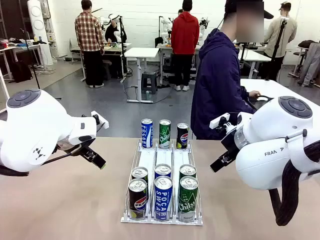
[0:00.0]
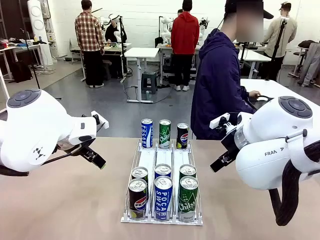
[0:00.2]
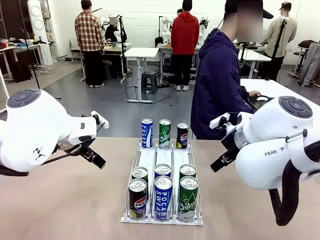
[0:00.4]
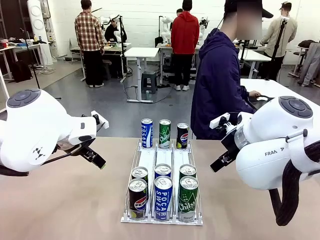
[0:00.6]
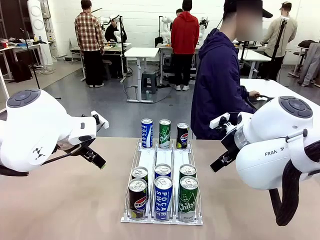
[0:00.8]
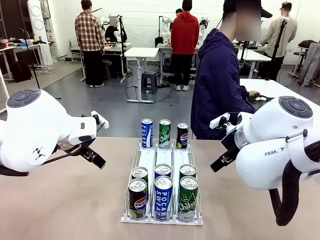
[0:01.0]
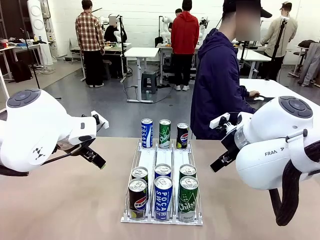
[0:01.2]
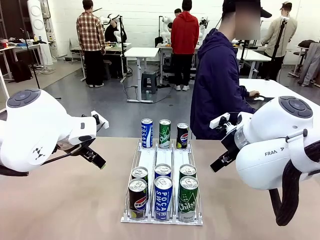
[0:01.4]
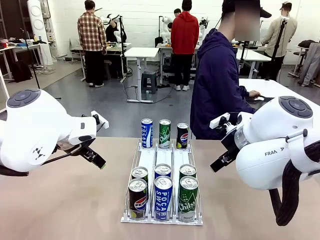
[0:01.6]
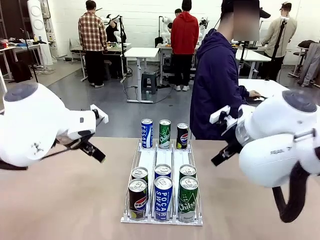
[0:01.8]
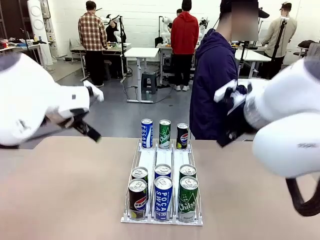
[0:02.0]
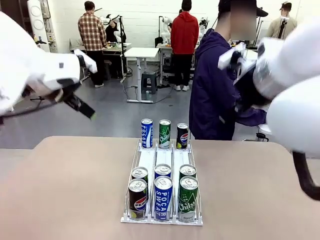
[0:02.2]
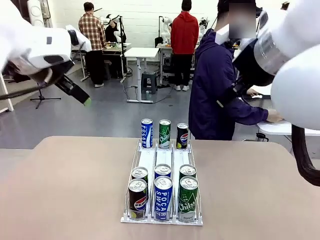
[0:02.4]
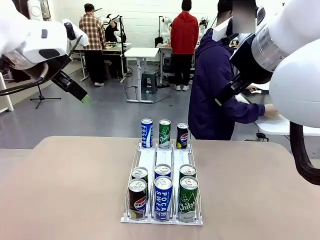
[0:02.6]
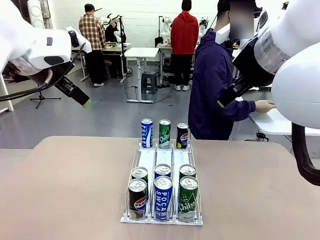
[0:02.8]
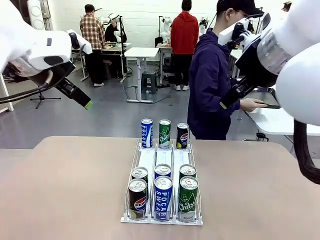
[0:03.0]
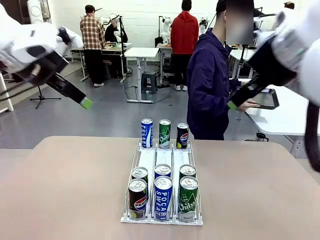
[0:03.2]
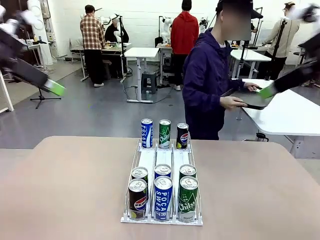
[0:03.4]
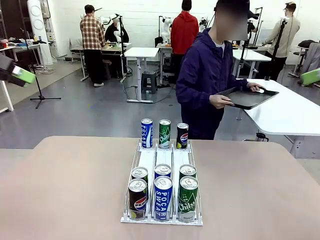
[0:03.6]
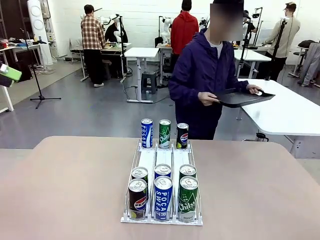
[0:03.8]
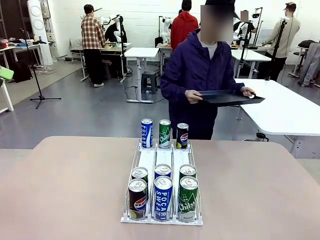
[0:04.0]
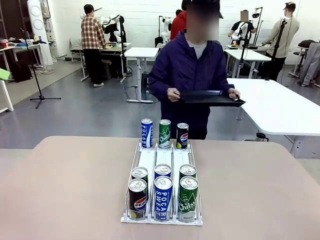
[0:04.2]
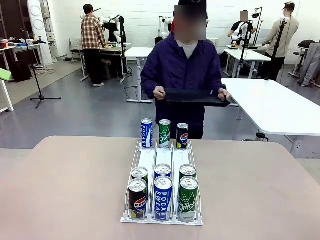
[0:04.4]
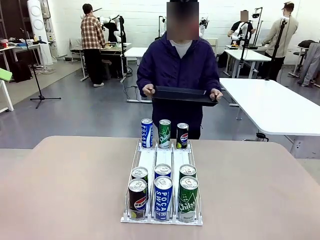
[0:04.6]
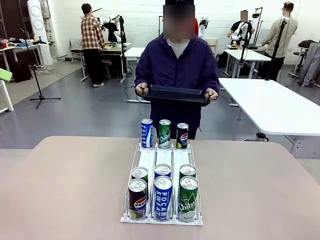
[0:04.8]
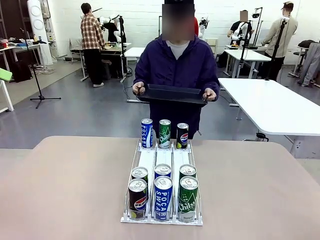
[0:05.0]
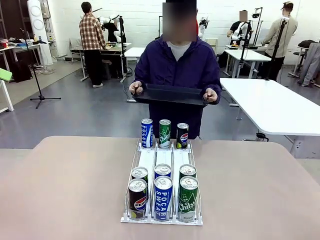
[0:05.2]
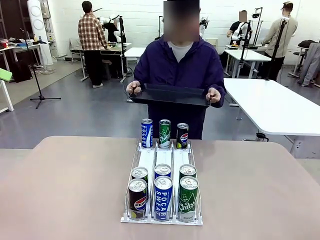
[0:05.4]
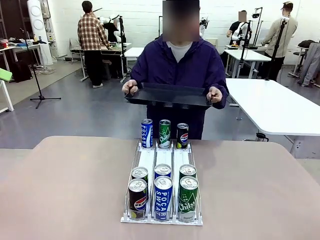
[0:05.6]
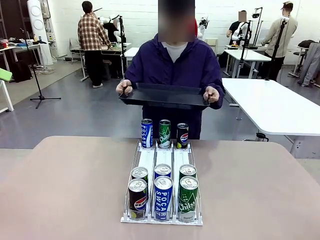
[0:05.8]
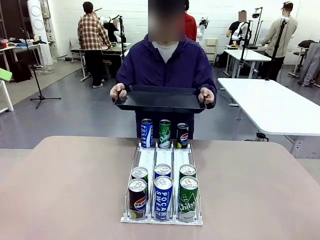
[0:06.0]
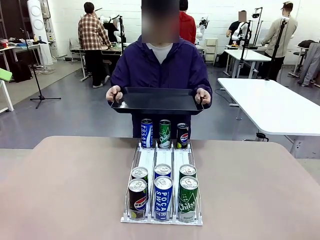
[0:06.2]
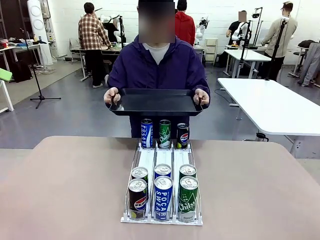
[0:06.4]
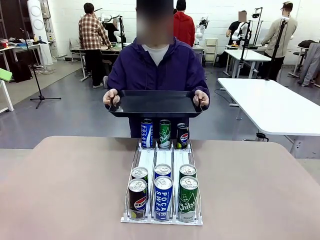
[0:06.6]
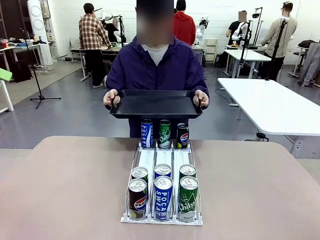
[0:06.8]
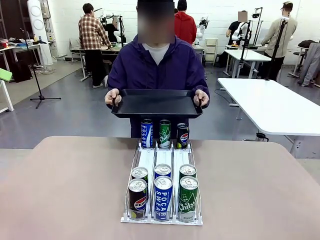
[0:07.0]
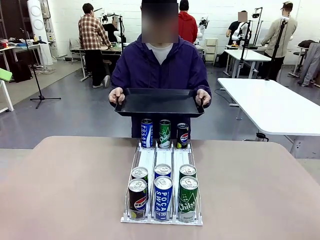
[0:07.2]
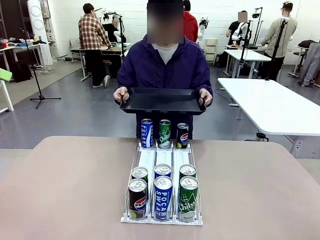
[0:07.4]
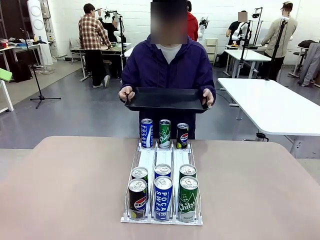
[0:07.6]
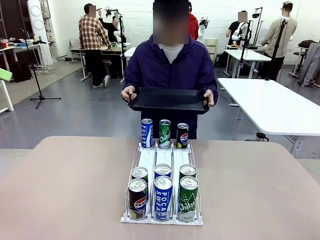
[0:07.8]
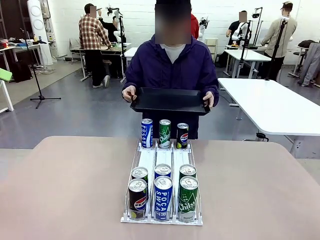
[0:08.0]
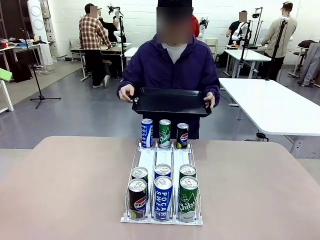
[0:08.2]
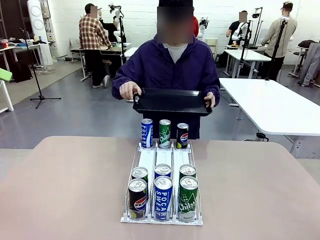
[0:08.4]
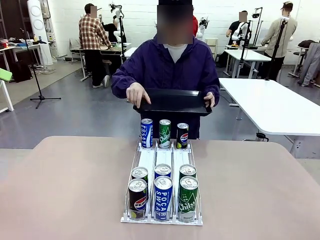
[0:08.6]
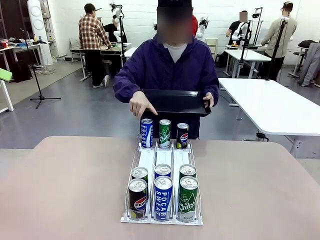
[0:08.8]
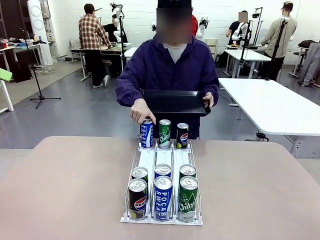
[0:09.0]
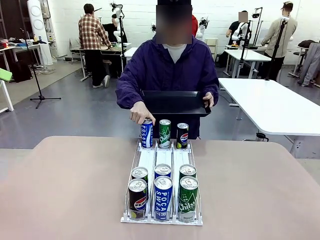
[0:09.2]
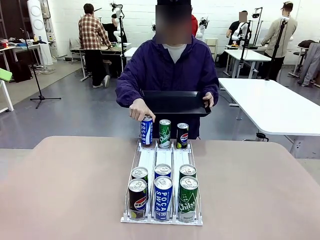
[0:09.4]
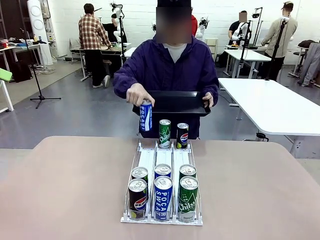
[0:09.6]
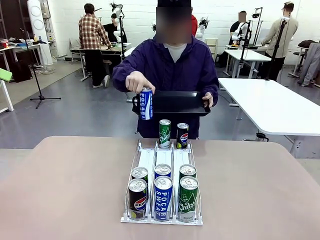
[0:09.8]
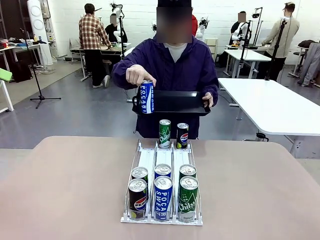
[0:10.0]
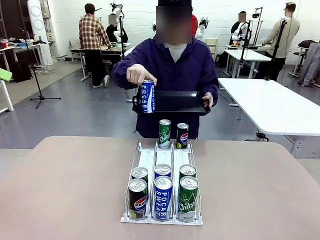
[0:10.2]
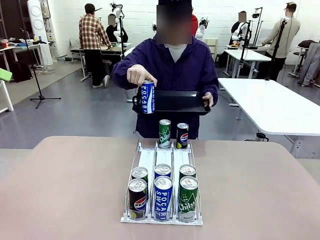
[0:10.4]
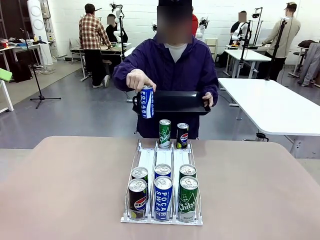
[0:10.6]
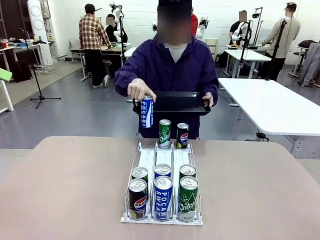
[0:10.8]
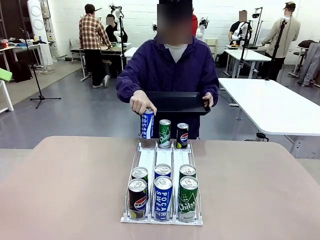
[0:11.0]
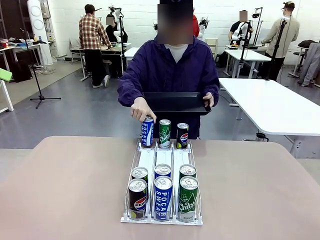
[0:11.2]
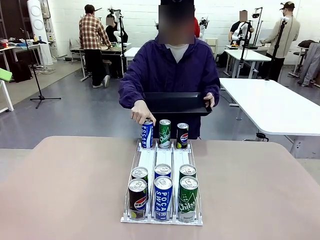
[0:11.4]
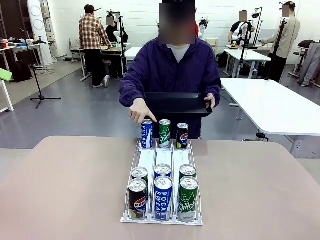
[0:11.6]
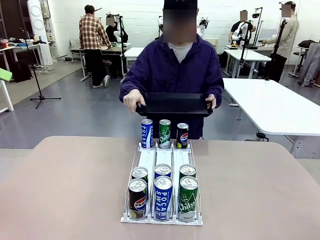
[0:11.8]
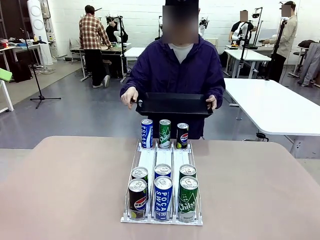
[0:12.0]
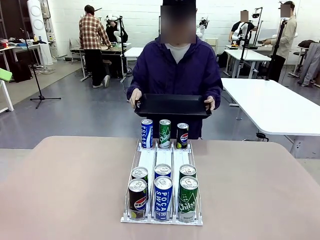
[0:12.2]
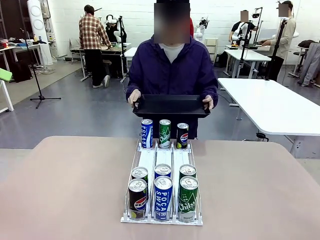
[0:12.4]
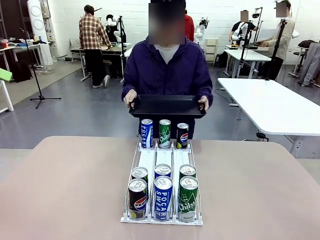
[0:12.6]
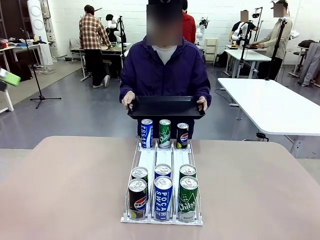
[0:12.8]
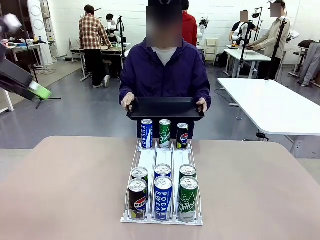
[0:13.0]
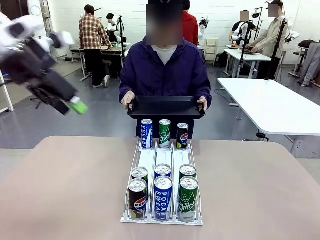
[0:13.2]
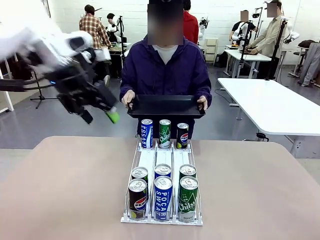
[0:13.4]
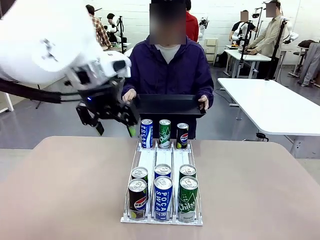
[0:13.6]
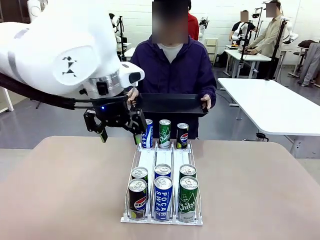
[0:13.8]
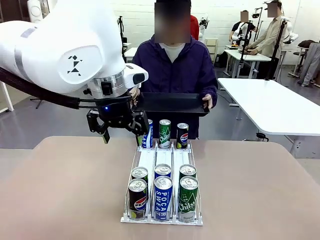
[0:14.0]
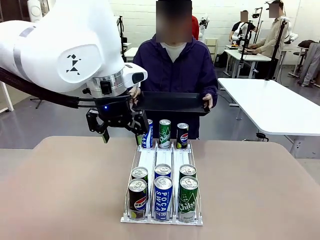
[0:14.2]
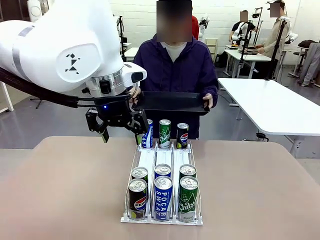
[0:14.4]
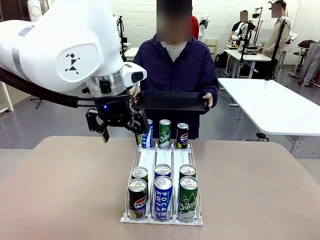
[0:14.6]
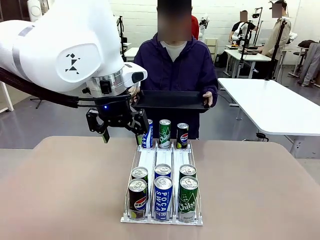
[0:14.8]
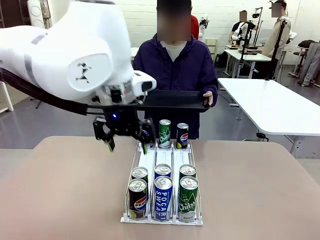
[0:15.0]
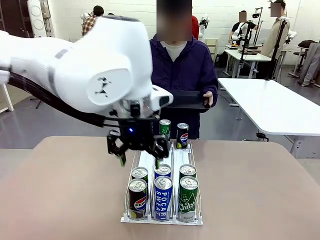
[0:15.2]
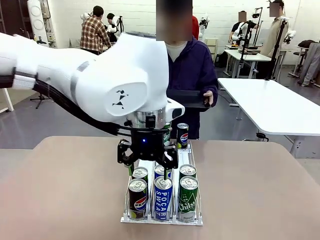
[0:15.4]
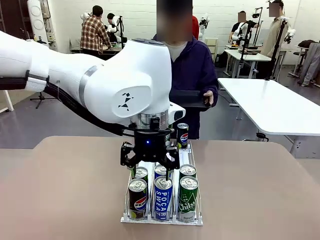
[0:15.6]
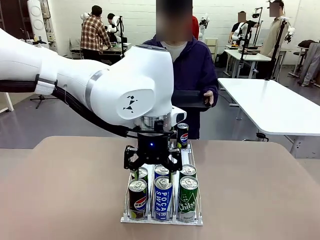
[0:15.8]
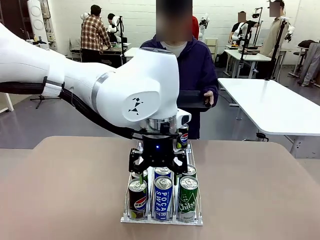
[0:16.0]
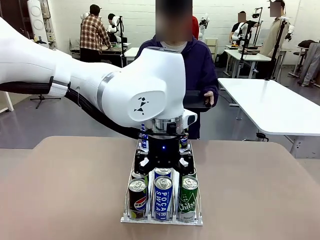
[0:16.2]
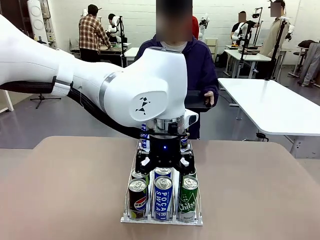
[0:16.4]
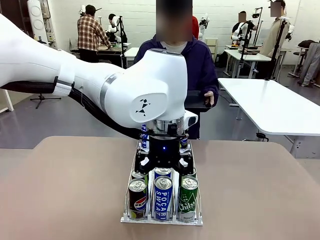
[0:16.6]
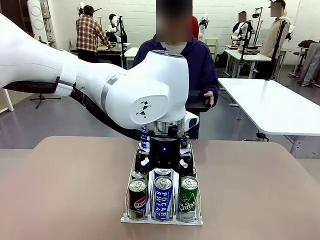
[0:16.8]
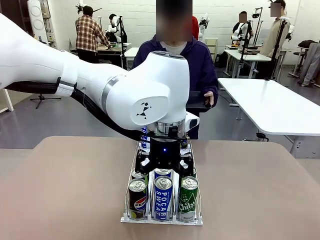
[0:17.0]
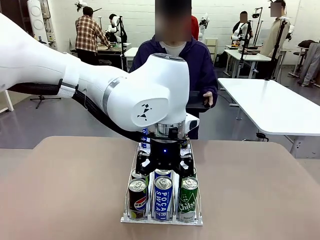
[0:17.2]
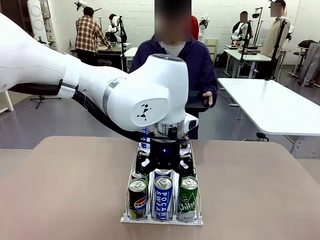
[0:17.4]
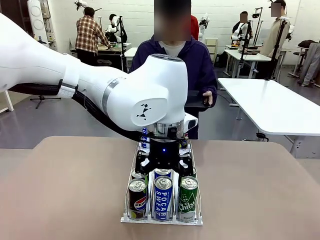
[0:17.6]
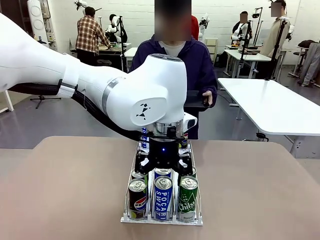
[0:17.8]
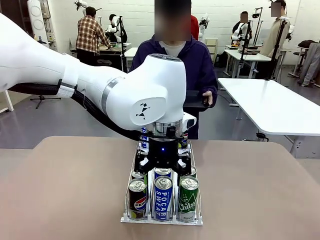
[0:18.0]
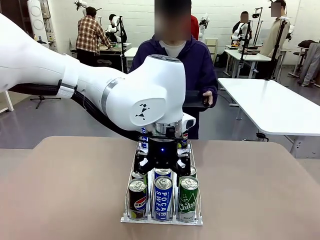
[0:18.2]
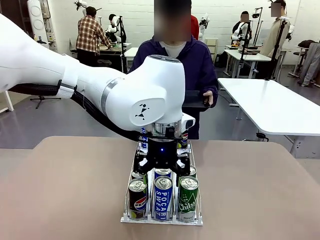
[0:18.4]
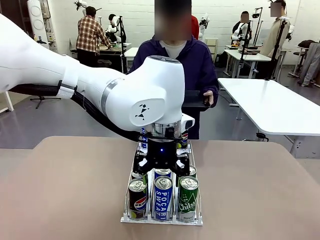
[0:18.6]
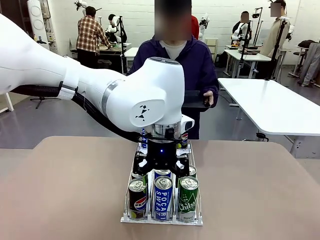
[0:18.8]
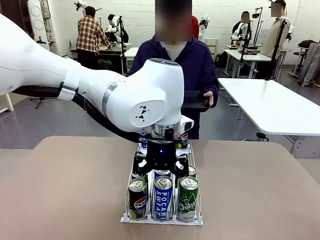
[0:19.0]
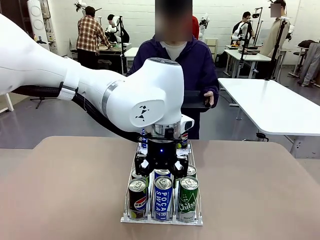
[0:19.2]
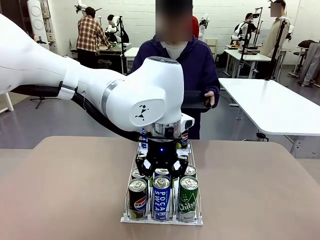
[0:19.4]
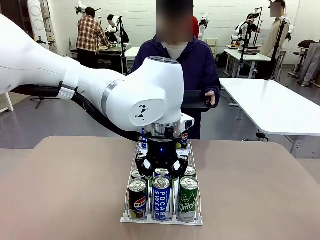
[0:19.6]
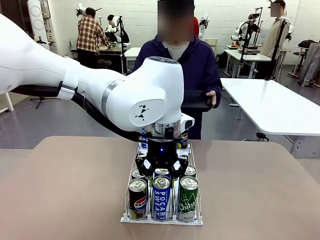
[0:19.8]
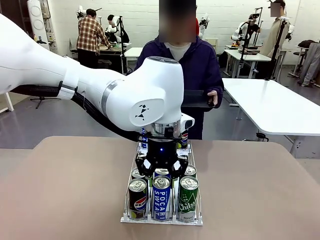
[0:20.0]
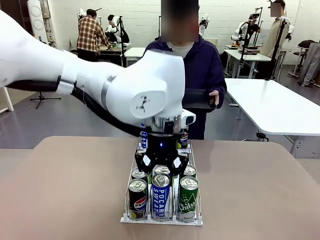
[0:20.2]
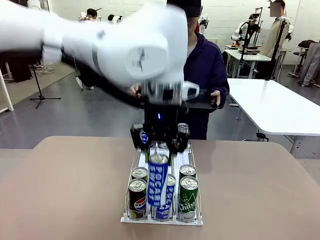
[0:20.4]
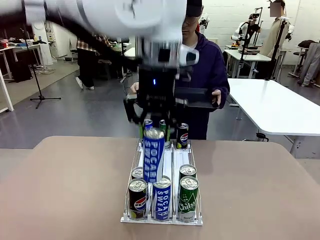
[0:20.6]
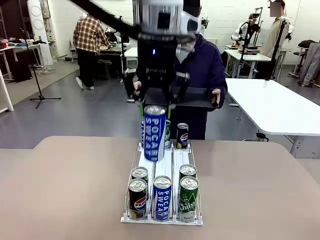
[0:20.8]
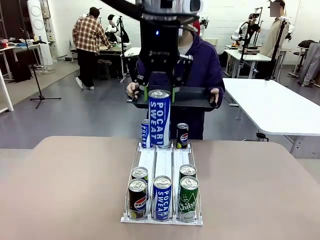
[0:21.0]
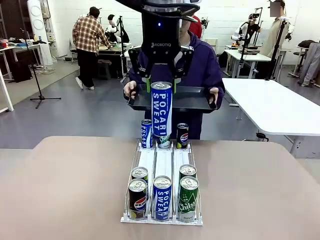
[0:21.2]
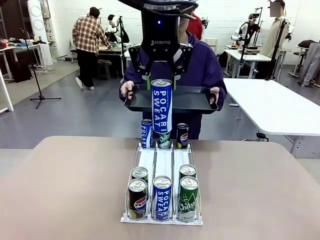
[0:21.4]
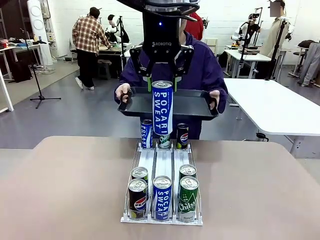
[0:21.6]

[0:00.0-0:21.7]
Task: Retrieve and hand over the desired beverage to the person.
Robot: Pick up a can of the same type that the person held from the Automatic Can Dispenser.
Person: Hold the tray and position yourself in front of the robot table. Pick up one can from the bottom area of the table and puts it back in its original place. Push the tray toward the robot.
